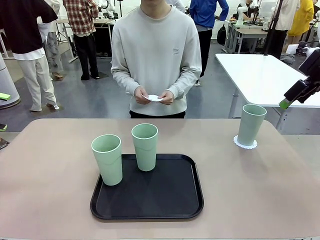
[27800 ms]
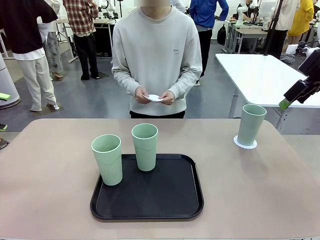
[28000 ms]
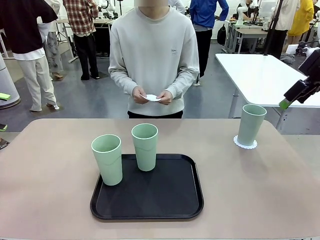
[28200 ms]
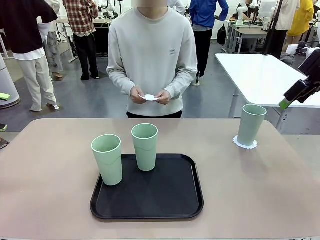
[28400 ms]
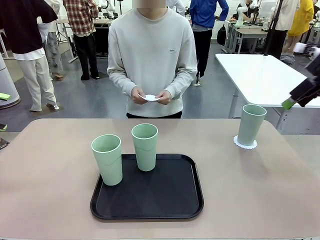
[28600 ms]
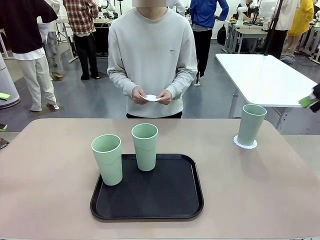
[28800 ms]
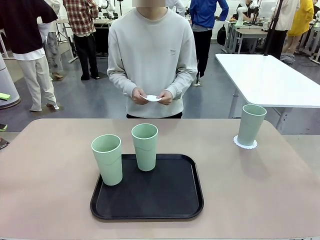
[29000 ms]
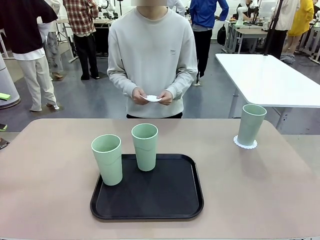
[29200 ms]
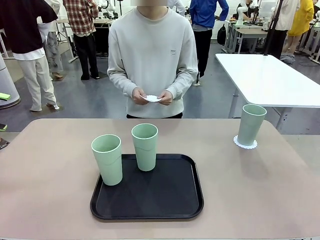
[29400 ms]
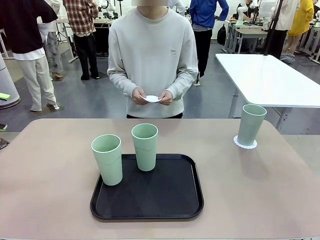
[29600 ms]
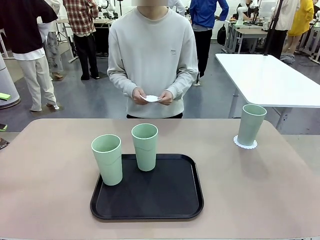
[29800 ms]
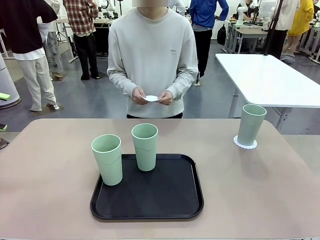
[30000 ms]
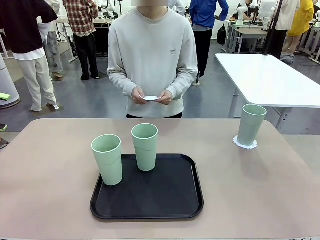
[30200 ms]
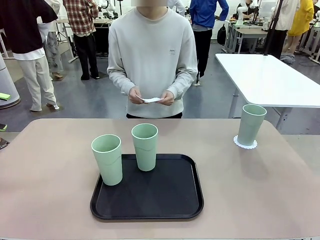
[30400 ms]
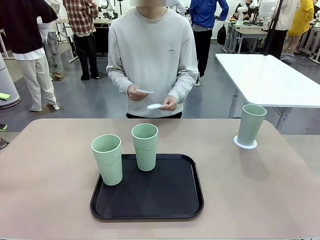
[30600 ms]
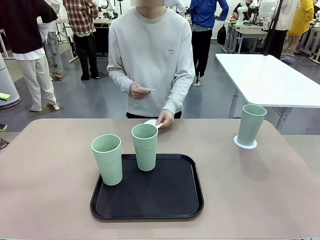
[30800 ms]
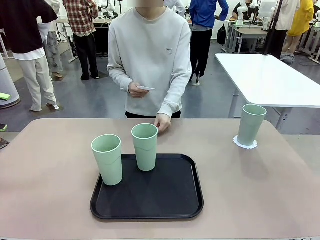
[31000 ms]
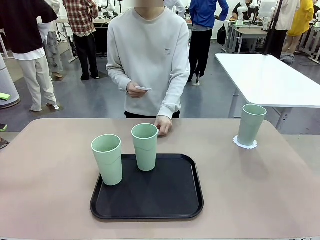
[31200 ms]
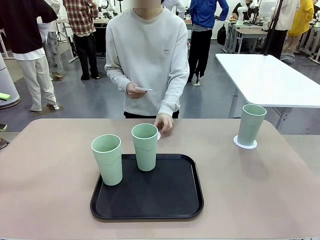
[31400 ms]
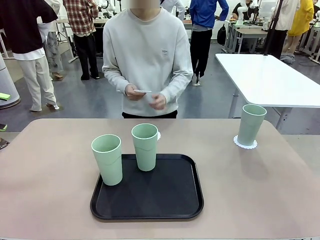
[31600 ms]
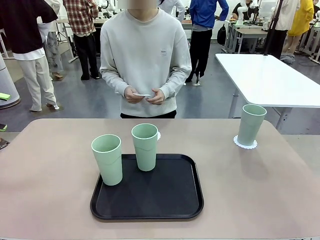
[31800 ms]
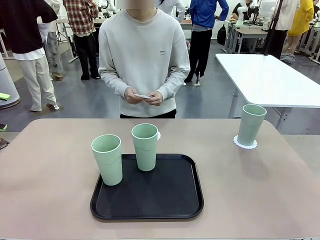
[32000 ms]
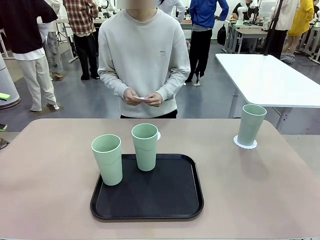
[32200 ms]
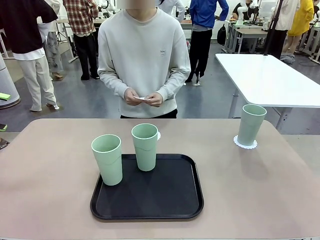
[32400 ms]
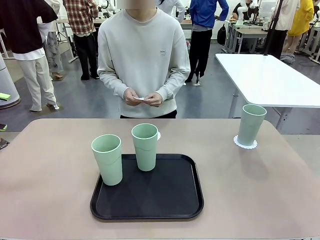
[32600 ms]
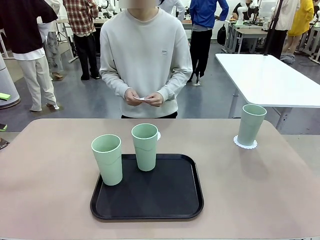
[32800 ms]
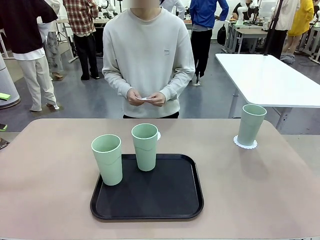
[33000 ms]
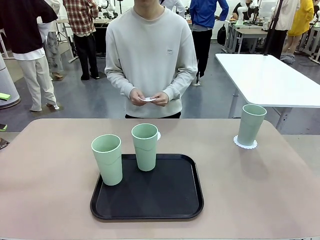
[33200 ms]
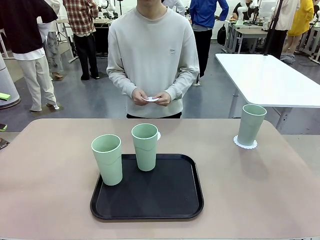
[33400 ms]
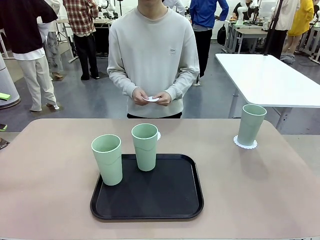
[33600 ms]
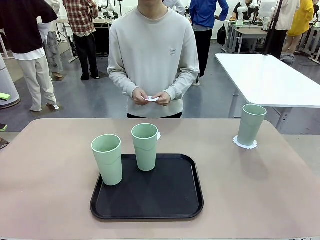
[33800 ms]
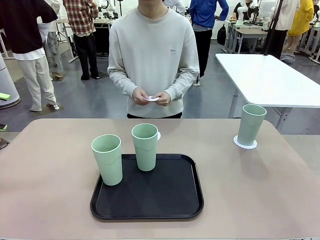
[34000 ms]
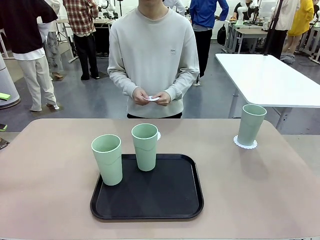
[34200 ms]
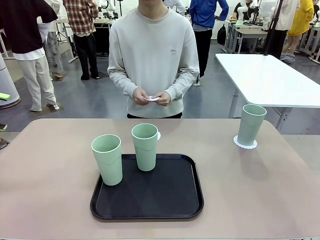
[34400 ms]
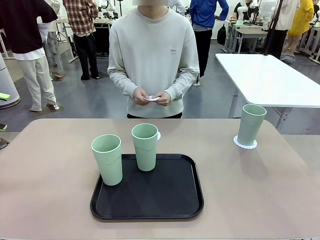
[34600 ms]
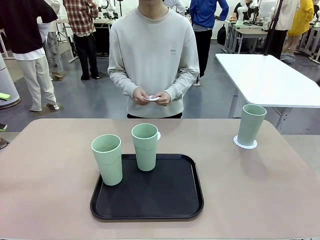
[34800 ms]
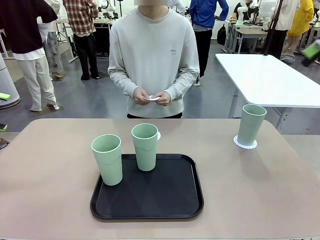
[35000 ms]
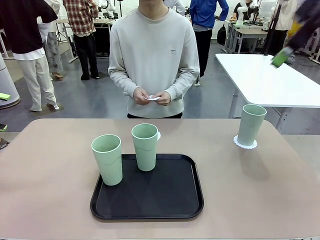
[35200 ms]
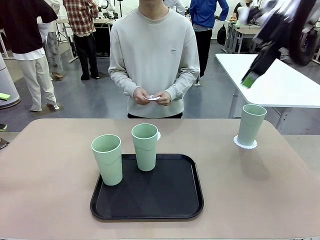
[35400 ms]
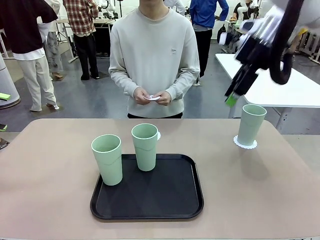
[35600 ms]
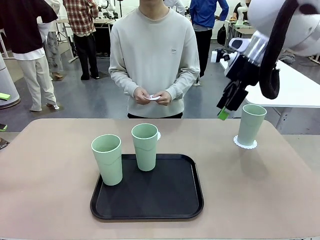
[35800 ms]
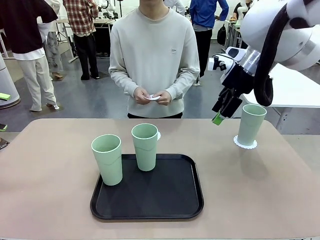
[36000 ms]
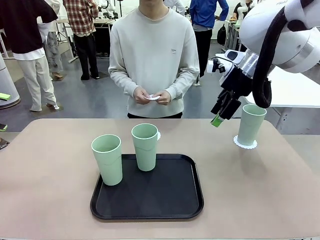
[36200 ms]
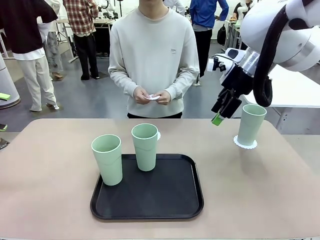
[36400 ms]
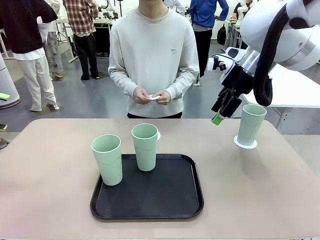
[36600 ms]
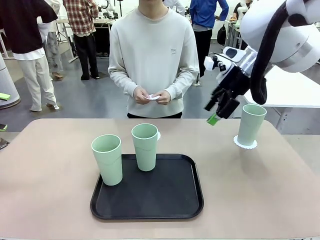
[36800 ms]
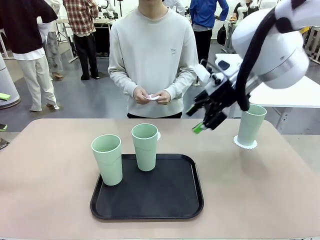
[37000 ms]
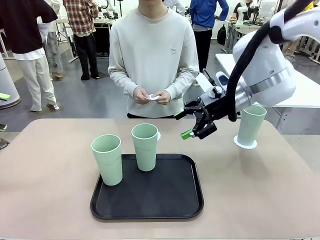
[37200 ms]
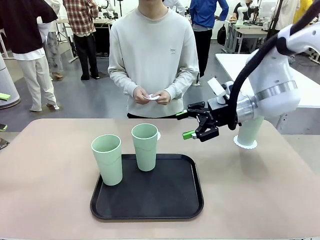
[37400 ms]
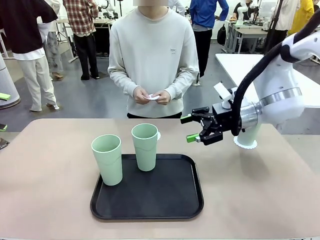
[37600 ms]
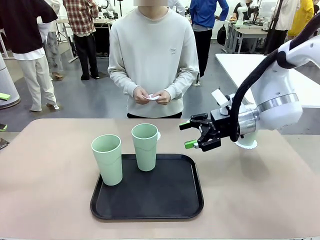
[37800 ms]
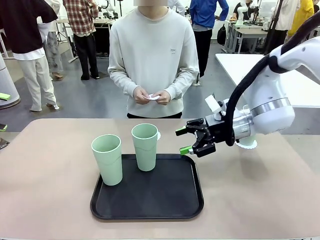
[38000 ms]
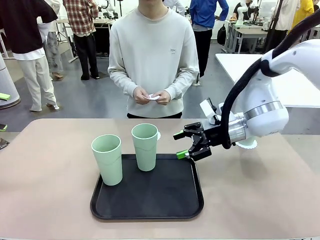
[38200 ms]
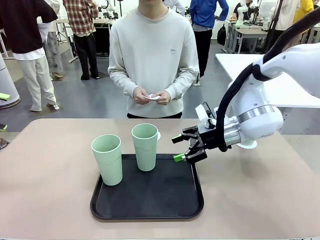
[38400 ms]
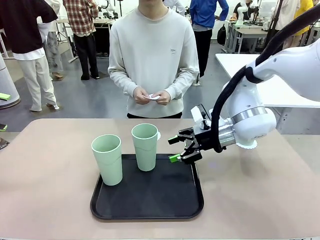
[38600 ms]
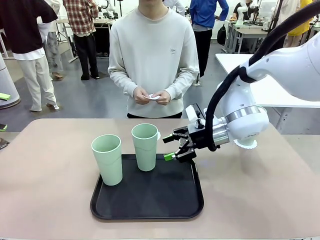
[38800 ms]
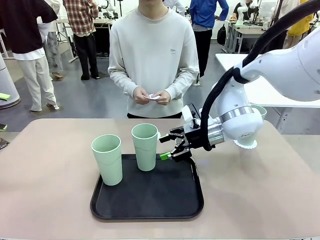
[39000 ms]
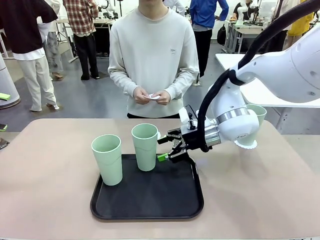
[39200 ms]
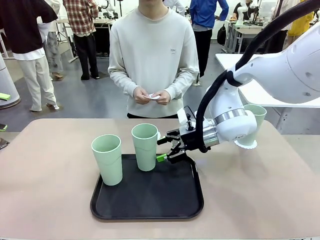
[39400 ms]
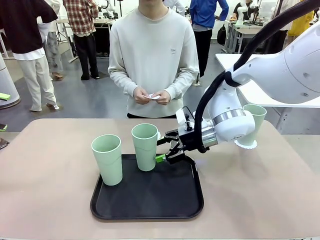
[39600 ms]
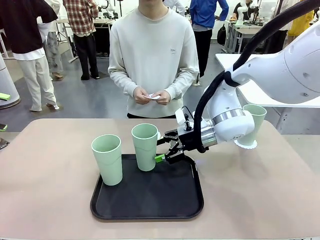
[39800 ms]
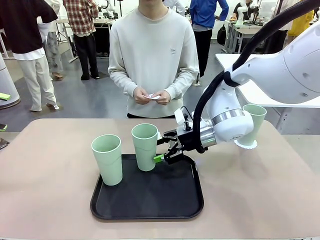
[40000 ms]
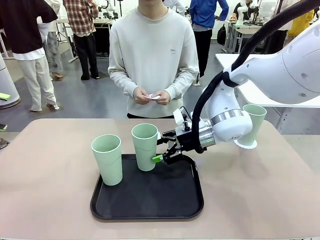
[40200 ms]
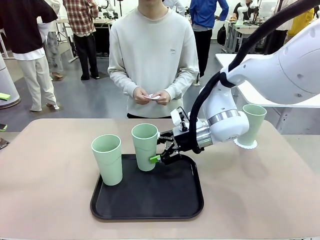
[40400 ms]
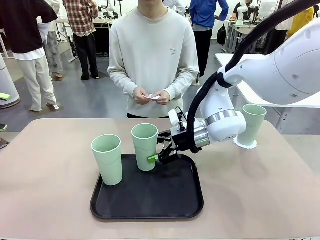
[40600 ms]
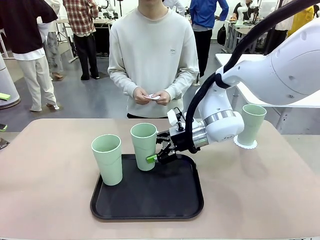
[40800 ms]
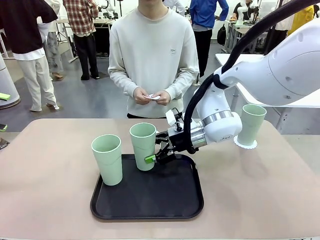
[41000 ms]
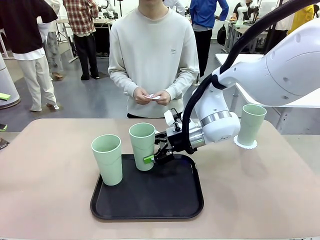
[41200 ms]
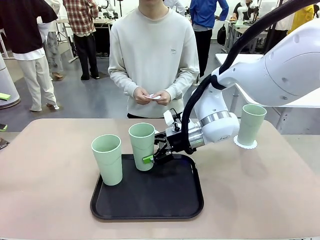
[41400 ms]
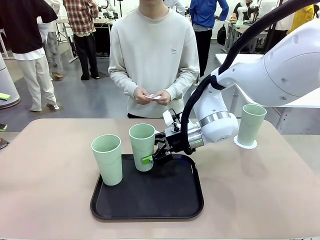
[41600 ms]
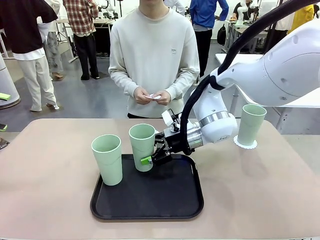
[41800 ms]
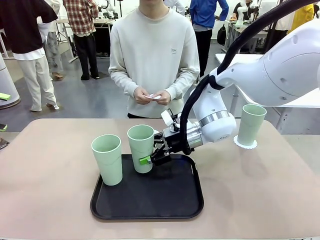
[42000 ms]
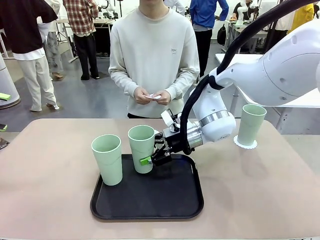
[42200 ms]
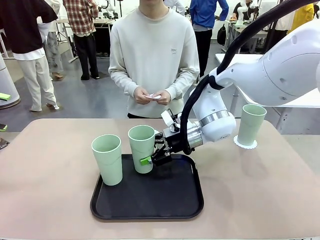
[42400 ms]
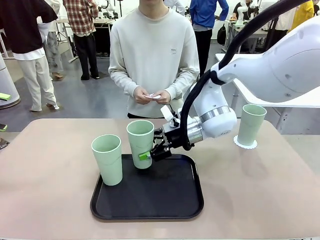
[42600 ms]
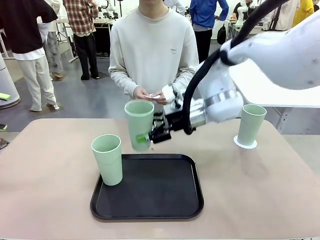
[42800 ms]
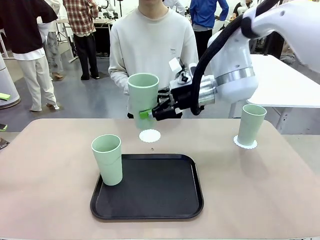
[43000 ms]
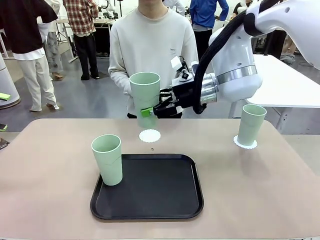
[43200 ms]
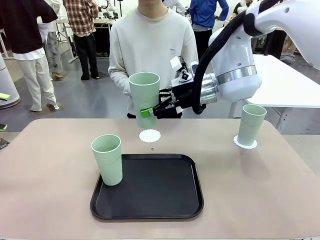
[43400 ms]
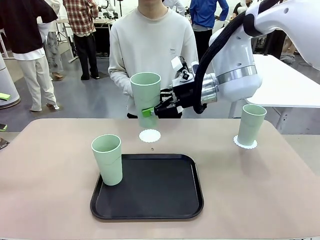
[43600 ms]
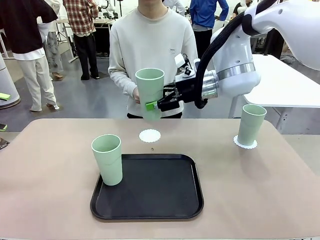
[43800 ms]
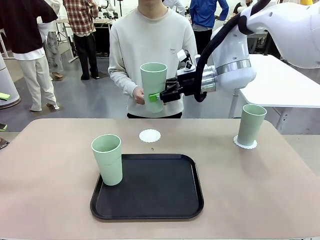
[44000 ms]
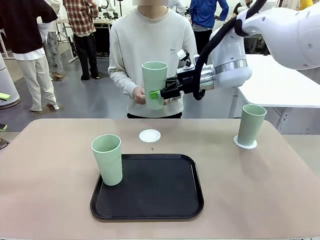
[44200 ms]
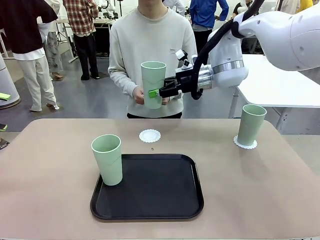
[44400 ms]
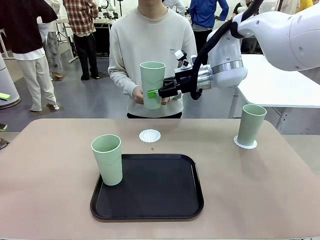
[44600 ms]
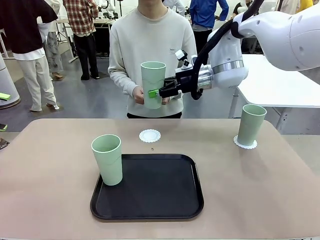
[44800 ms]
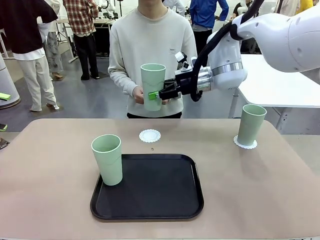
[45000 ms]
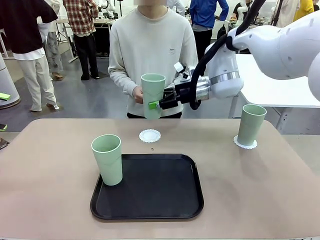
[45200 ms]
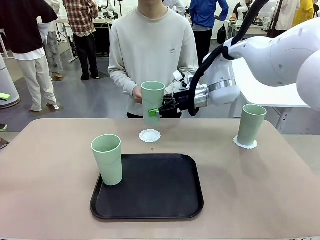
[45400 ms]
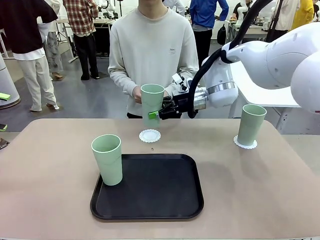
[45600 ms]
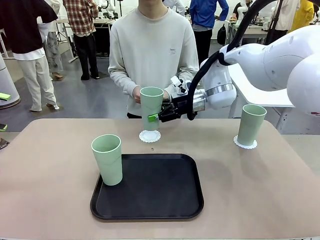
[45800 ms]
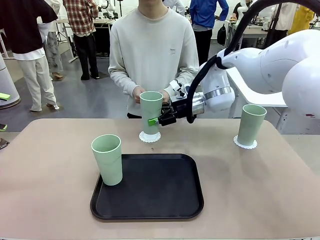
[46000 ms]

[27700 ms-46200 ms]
Task: Place coasters on the table and set cups on them.
Robot: Take one Reusable plastic cup from the Flat Tray and place it on a coaster set by the human.
